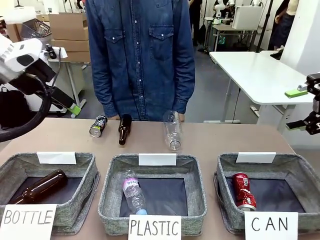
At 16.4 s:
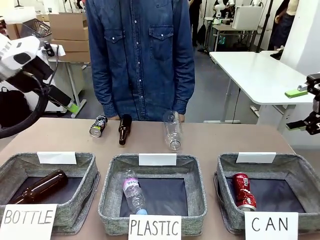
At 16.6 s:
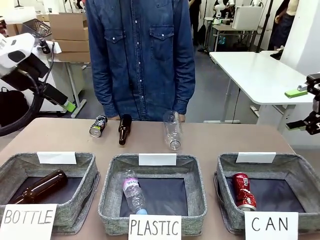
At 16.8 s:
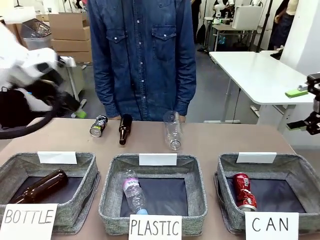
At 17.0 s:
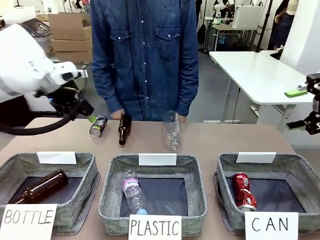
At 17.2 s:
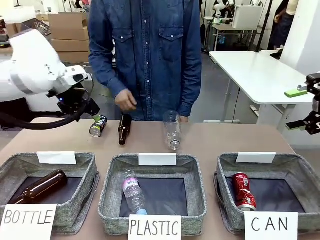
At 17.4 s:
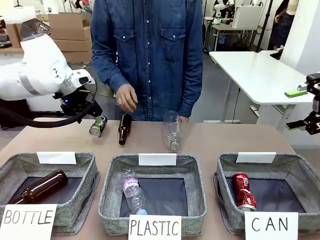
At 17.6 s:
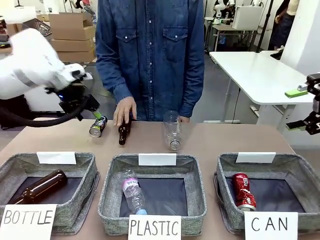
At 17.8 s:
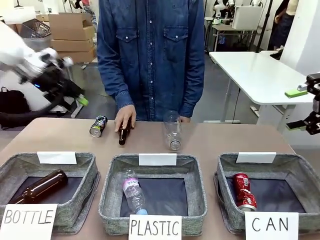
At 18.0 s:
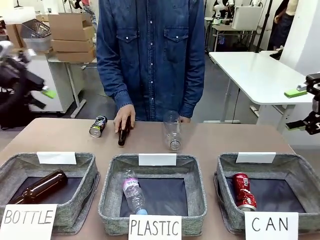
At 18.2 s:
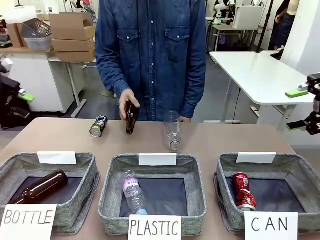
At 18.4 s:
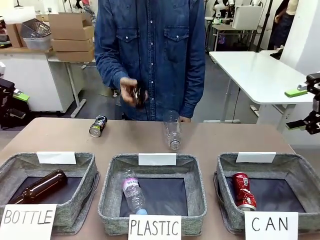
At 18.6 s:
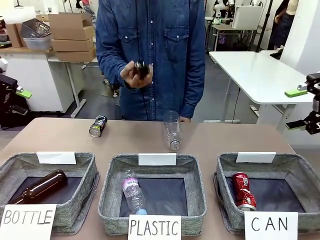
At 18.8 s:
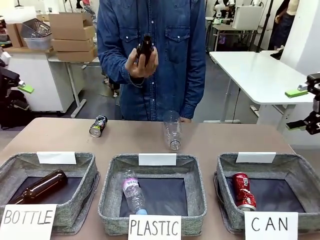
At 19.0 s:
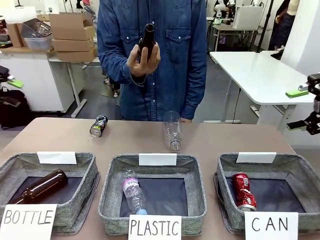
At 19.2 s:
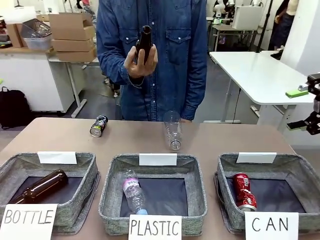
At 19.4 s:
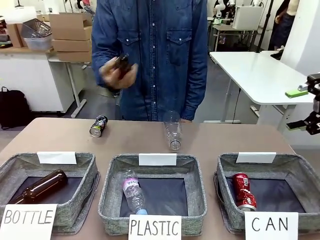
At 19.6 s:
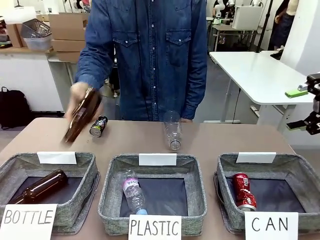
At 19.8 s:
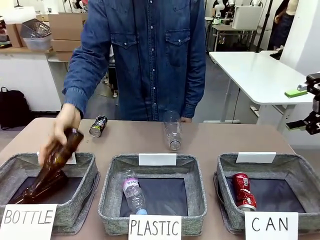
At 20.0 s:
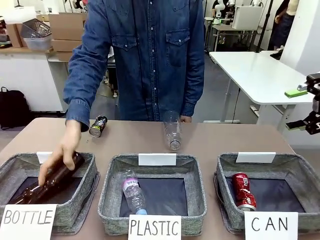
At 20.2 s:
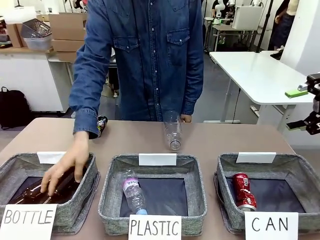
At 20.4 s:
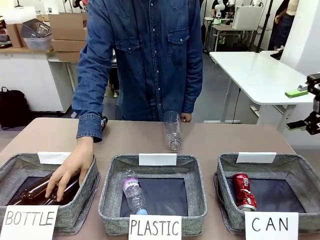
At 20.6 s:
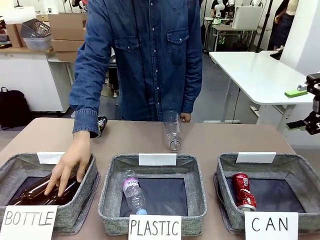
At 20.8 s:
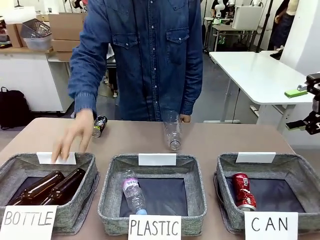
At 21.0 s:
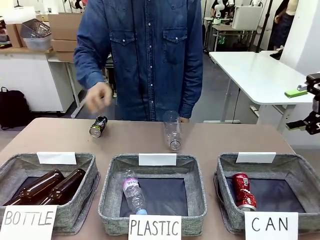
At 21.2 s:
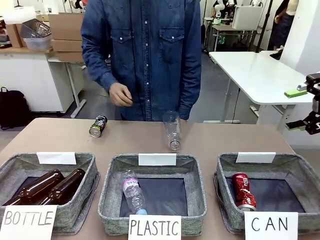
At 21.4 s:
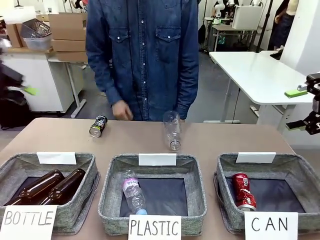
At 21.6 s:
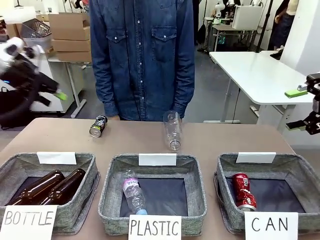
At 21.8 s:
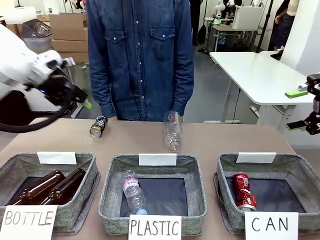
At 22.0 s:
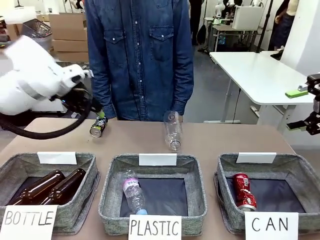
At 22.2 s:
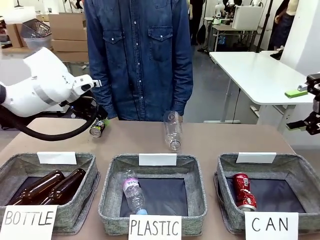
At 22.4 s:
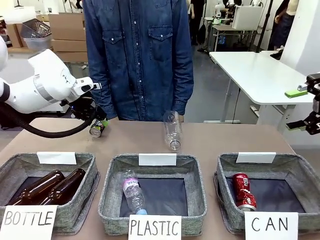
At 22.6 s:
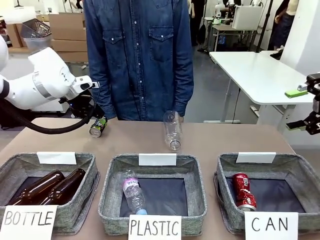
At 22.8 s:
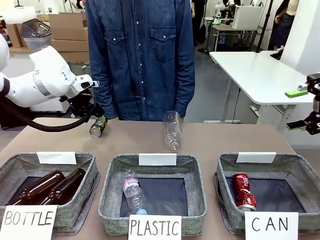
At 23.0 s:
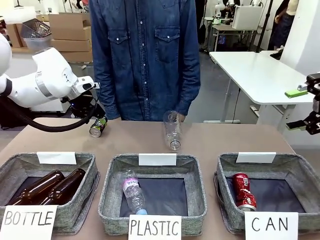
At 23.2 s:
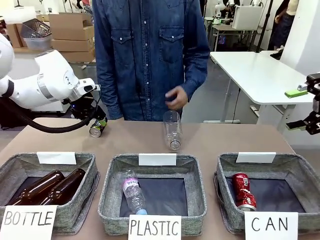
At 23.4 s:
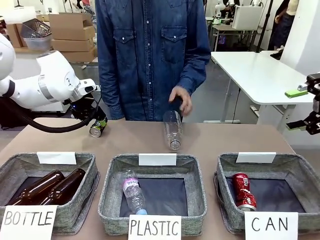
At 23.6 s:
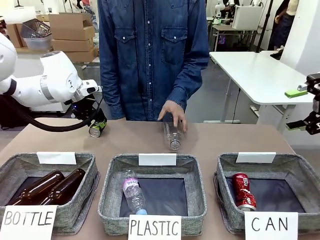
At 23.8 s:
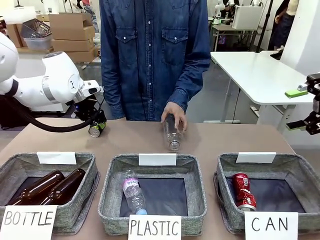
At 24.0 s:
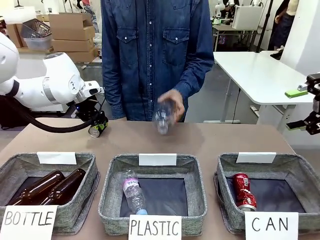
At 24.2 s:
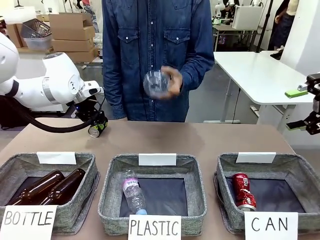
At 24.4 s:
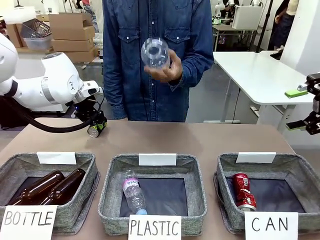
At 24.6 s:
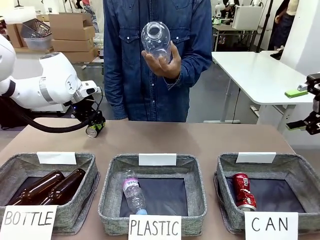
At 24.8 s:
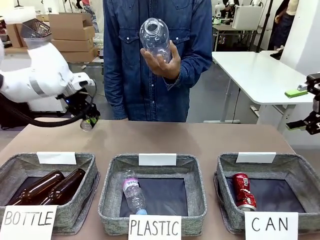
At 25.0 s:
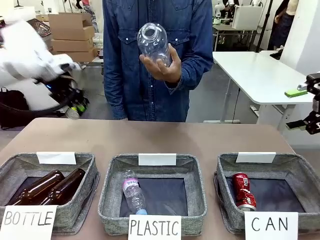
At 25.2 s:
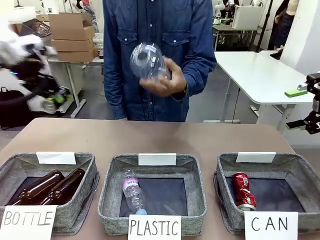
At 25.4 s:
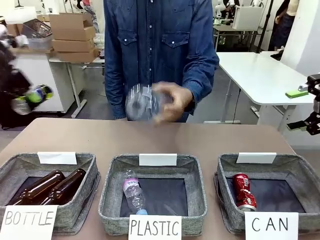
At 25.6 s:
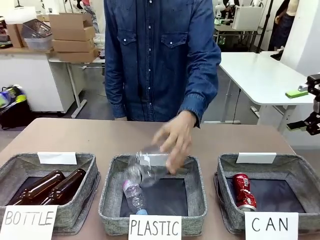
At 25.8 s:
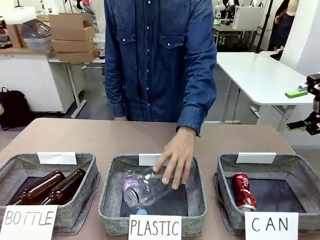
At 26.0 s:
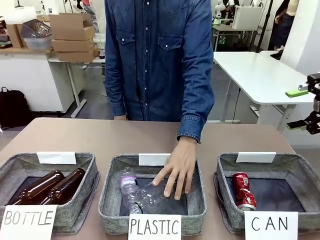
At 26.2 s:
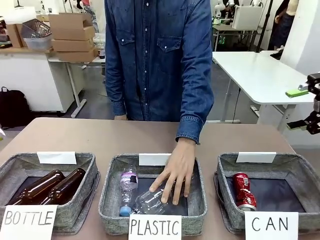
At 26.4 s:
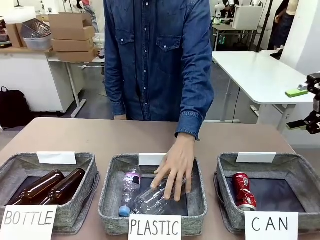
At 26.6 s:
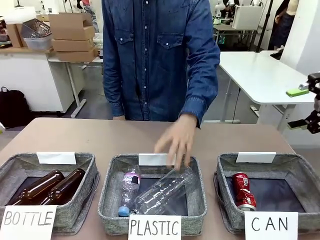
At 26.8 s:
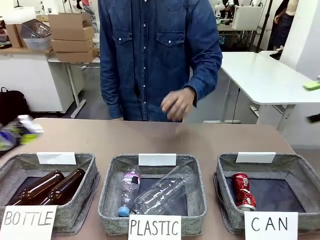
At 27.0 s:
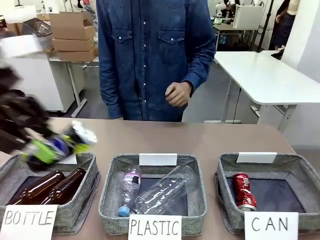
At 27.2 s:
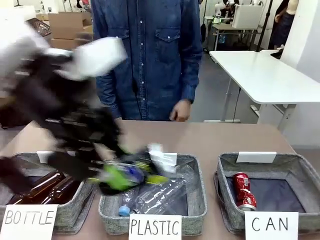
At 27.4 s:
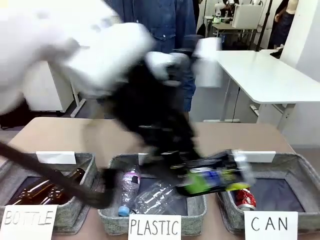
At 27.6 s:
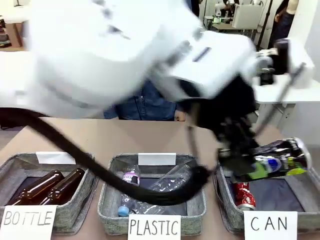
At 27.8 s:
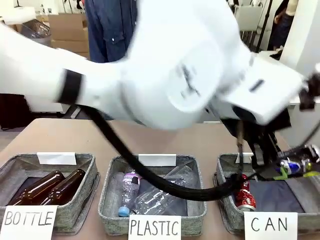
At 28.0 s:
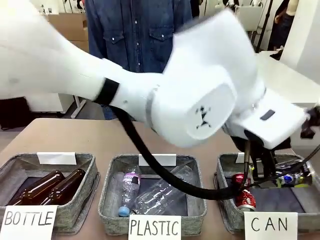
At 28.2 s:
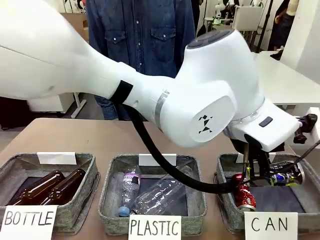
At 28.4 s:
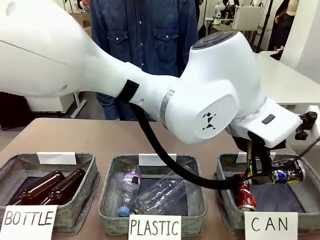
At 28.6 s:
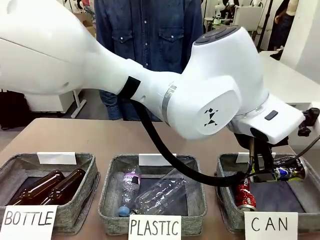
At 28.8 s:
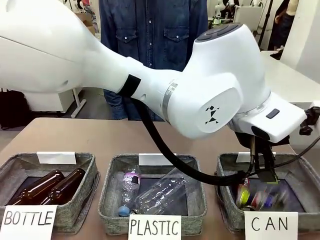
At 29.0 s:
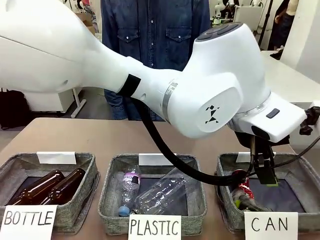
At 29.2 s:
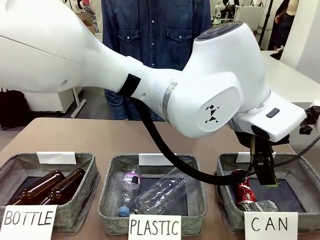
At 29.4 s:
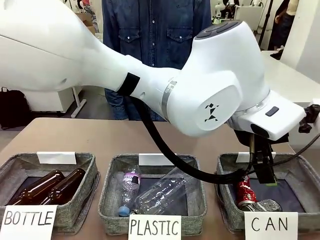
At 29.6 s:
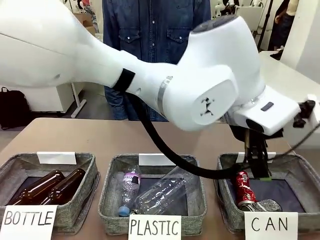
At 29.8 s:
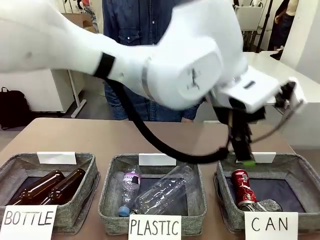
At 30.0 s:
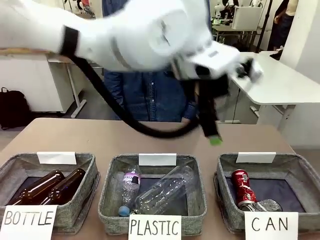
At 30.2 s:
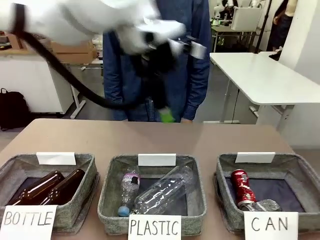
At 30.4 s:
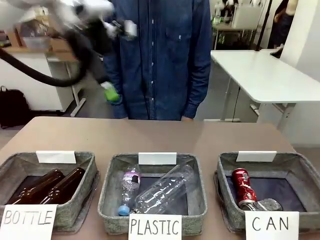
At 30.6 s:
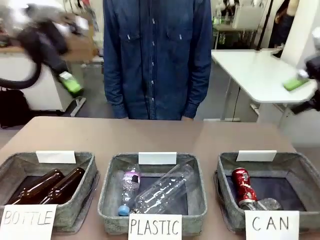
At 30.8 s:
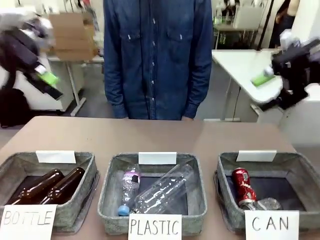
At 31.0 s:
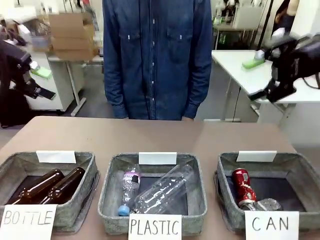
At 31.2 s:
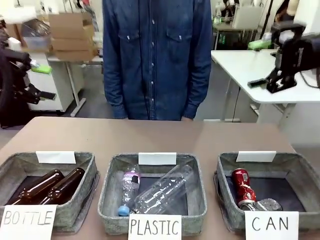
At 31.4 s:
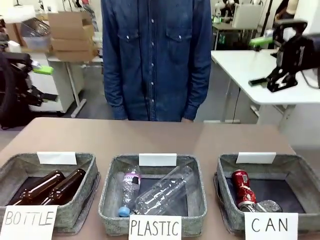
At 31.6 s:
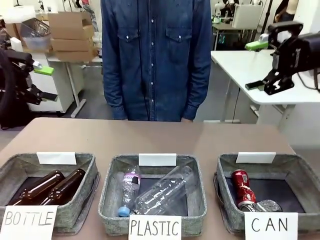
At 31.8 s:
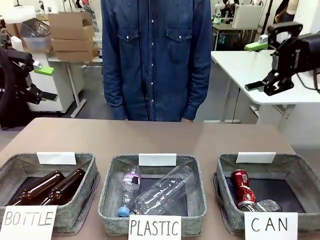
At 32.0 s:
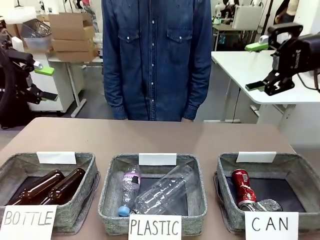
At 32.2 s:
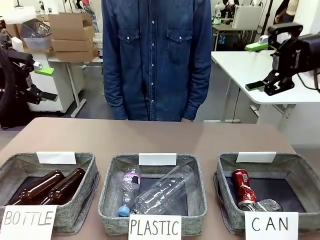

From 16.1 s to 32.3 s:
Task: Sort the can waste into the basket.
Robot: Pick up the can waste from the table and place it in the right Fabric basket.
Person: The human picks up one piece of trash that is not a can and places the trash into the appropriate organizing basket.
